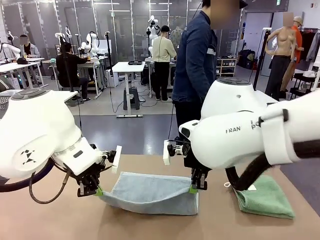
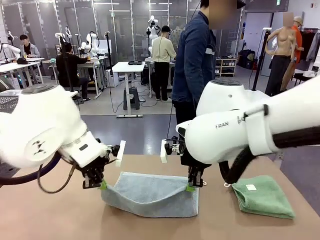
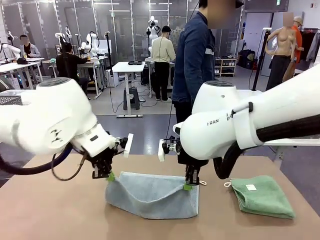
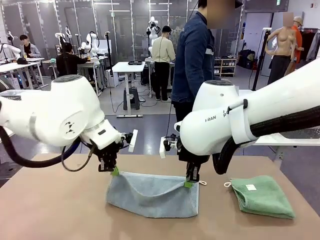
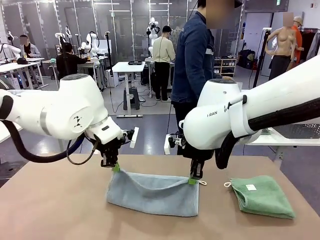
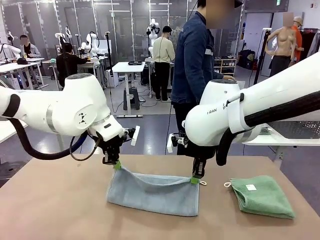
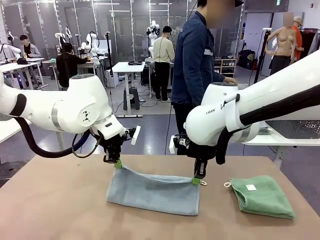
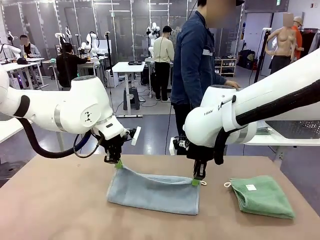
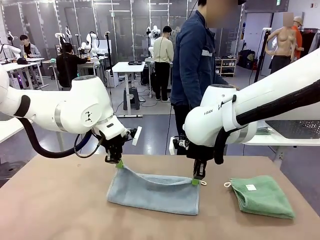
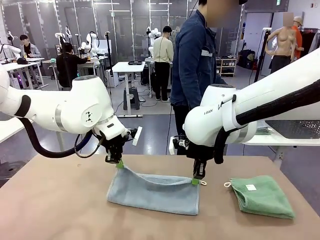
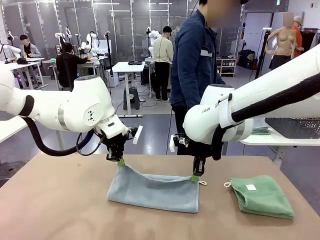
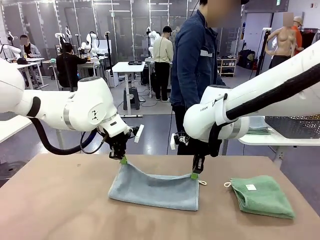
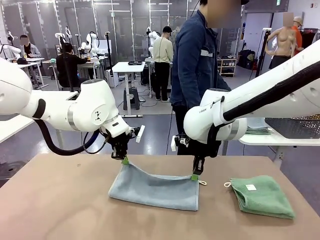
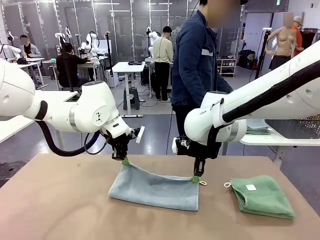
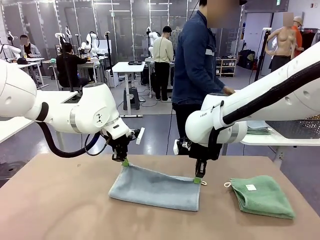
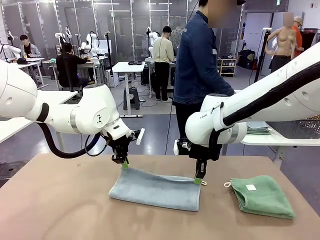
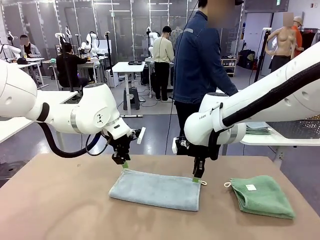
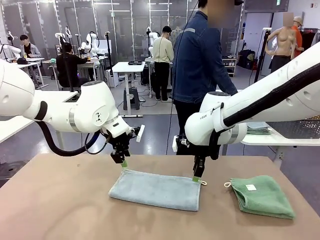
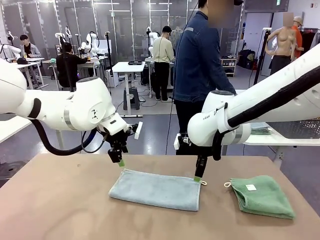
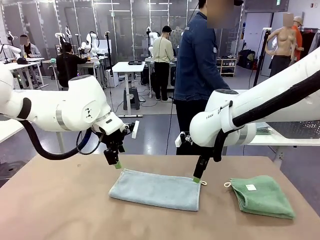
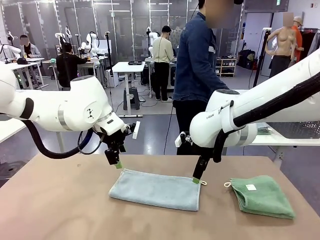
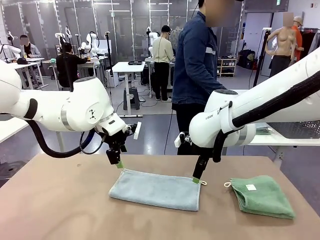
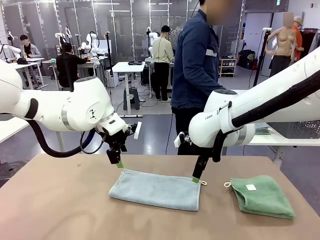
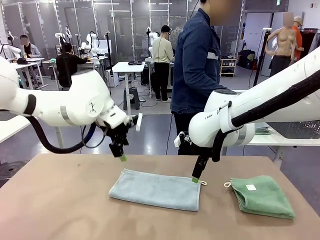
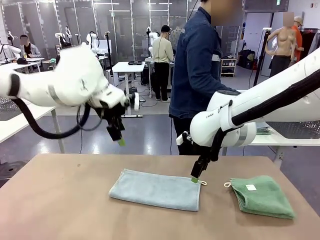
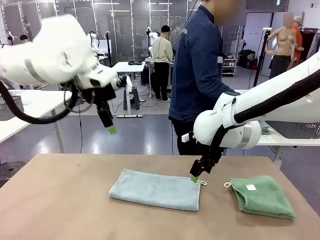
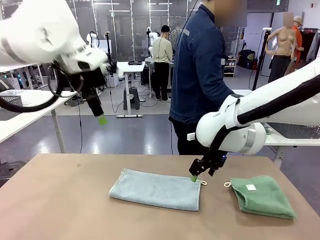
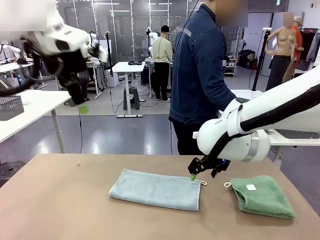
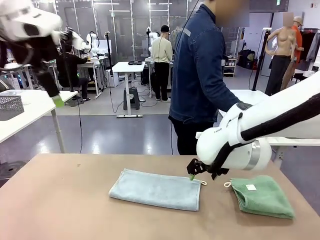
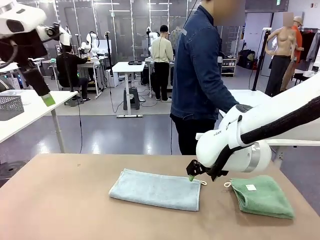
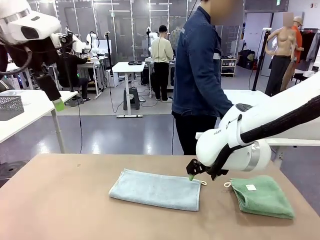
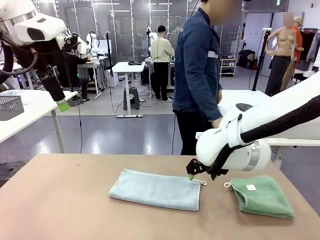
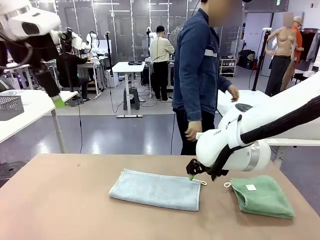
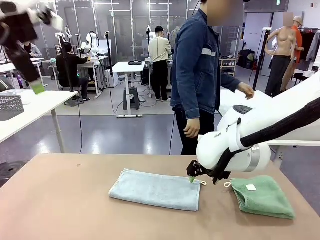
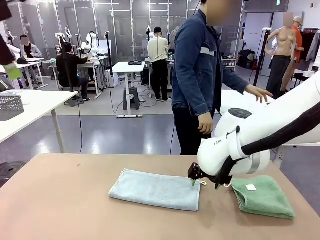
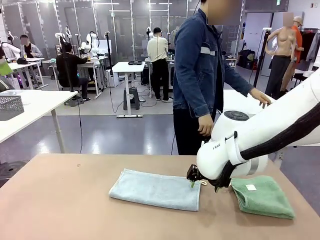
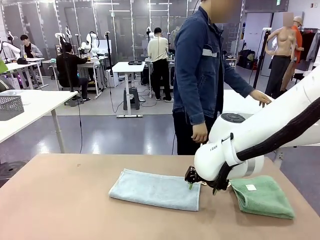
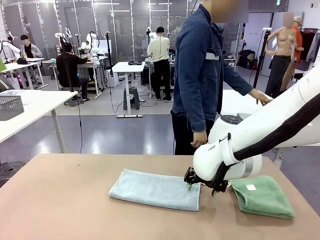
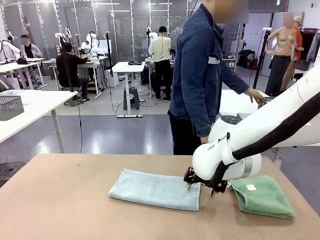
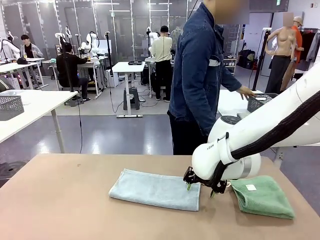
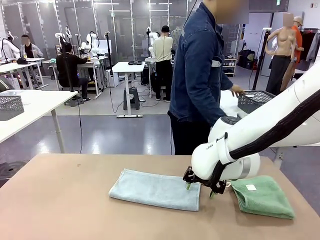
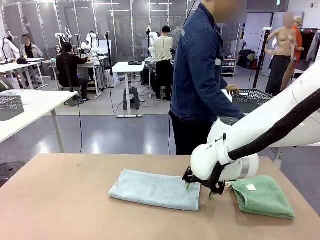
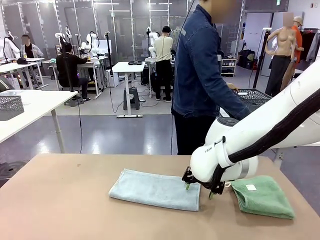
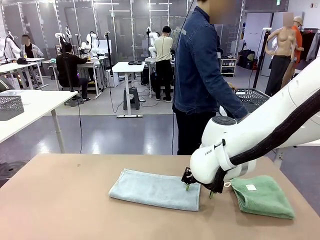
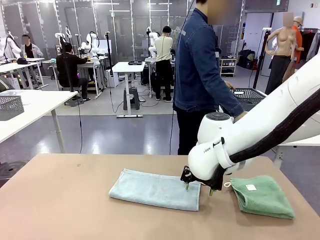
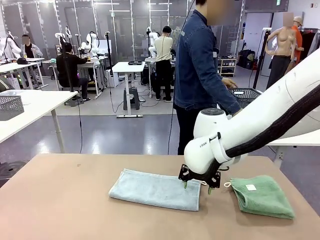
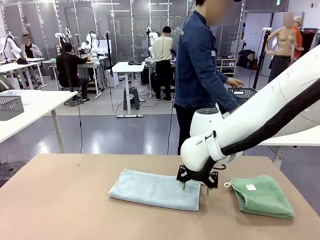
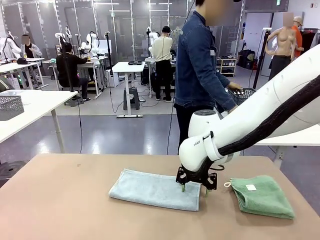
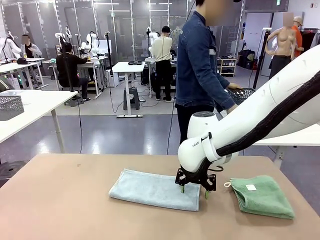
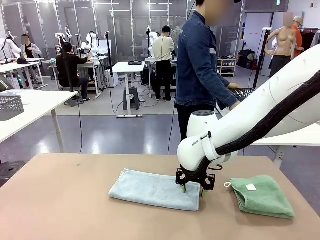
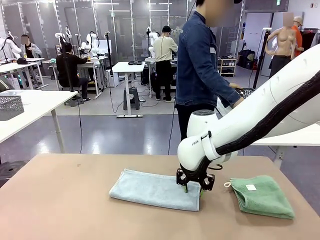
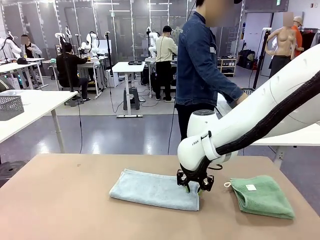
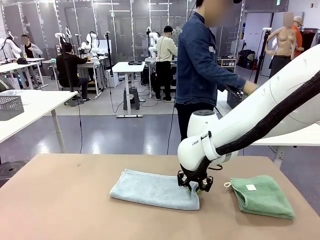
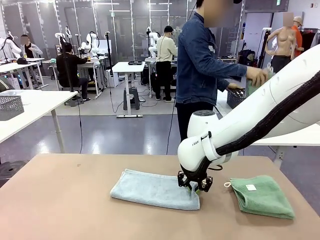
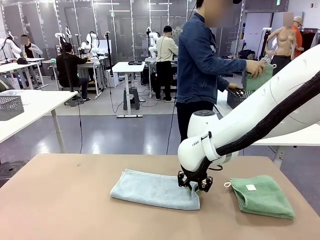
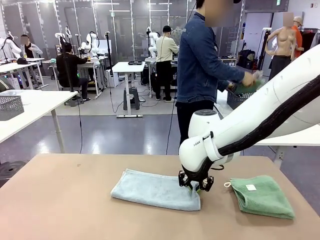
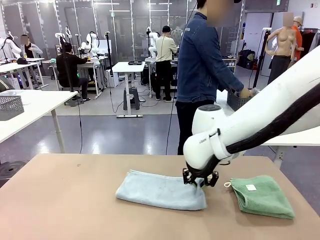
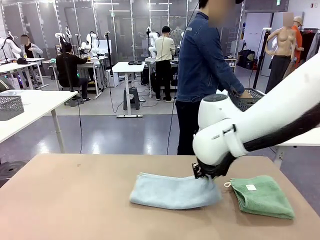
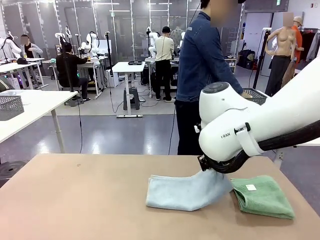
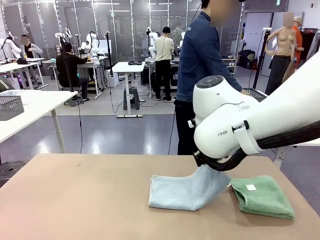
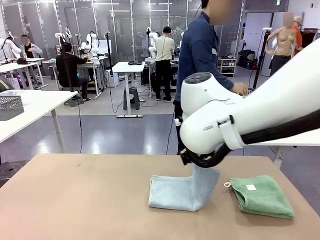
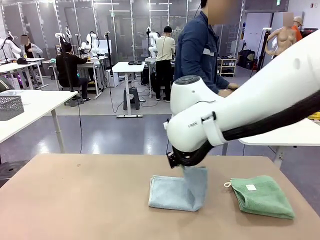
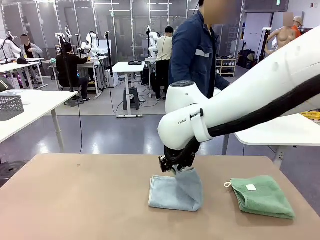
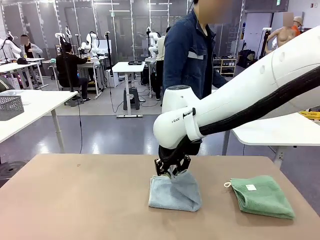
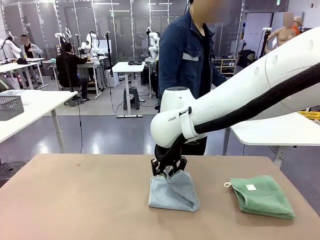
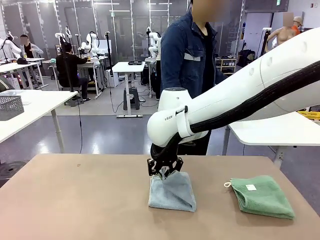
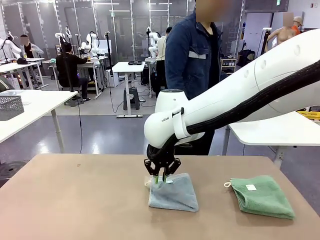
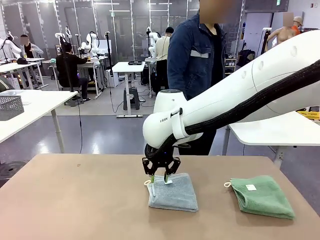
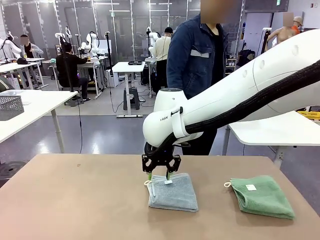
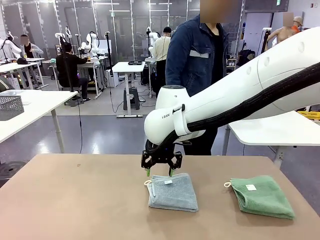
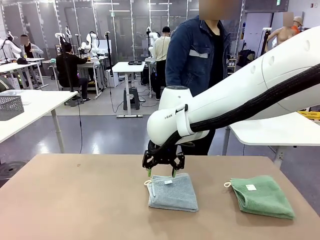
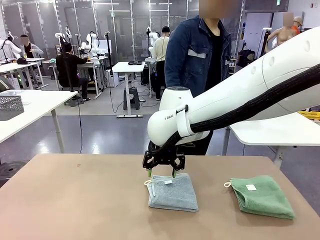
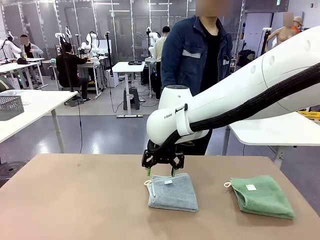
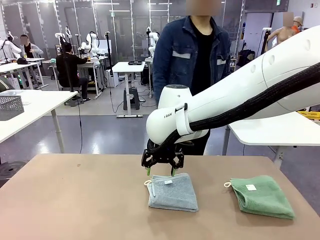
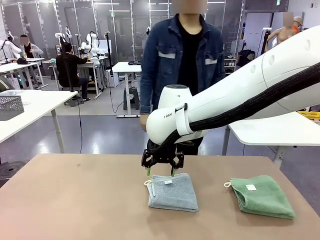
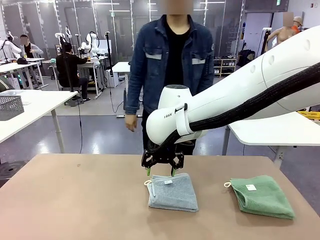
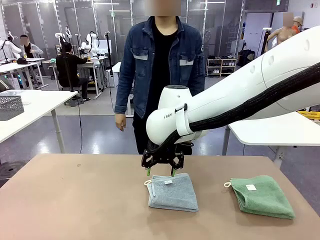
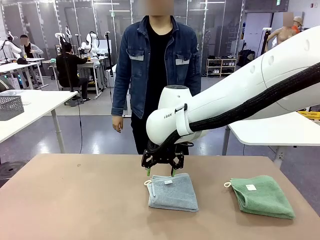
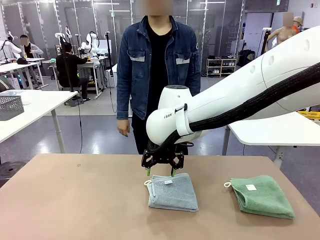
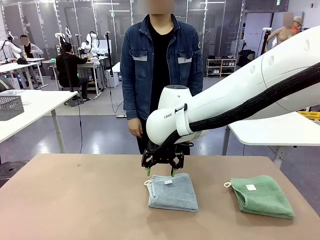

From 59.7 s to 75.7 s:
Task: Fold the towels and place them in the basket.
Robot: When a person lays out a Towel with hook on the table, fold it in half twice.
Person: Pick up the stack of towels from the right side of the human table, place it into the basket, and put the basket at the center of the table.
